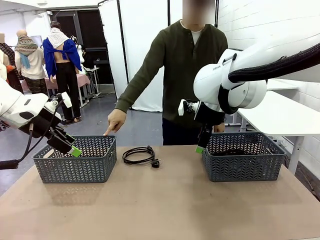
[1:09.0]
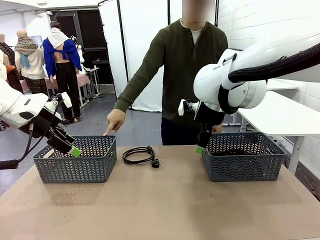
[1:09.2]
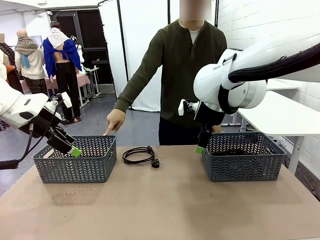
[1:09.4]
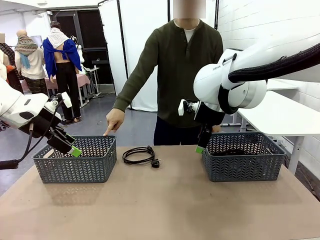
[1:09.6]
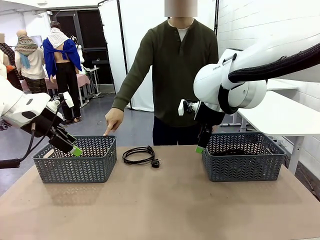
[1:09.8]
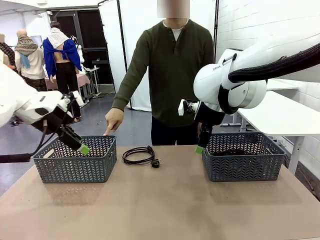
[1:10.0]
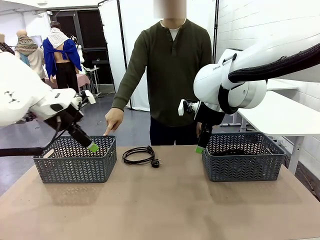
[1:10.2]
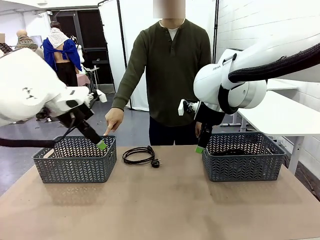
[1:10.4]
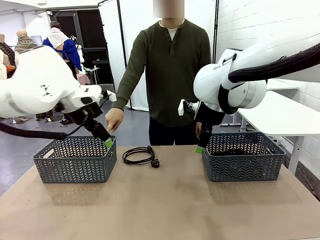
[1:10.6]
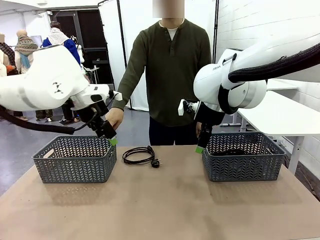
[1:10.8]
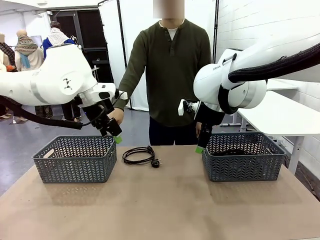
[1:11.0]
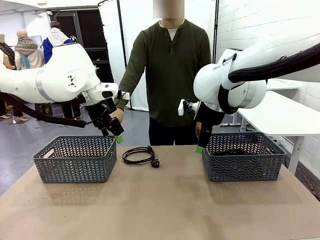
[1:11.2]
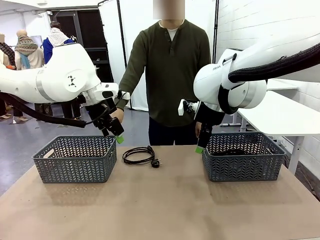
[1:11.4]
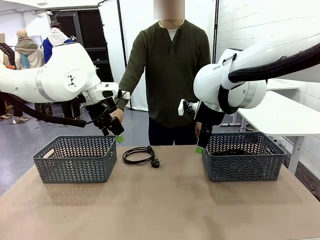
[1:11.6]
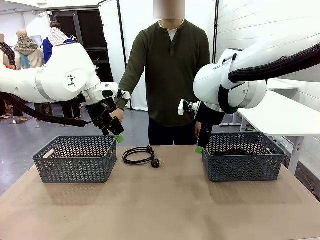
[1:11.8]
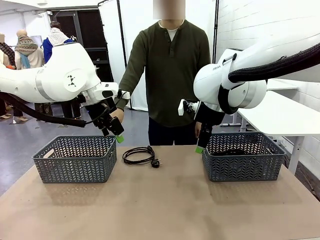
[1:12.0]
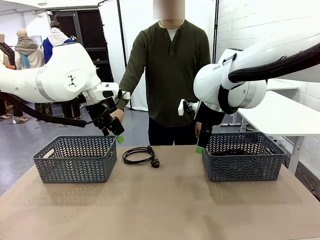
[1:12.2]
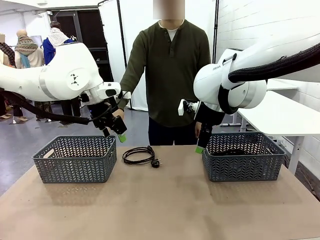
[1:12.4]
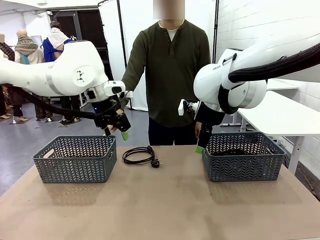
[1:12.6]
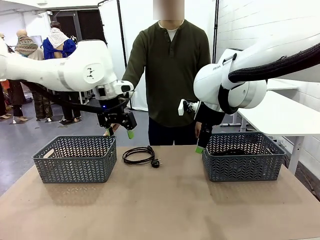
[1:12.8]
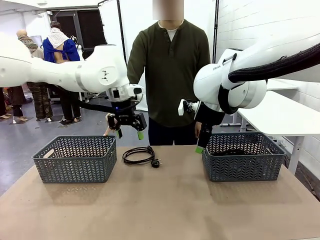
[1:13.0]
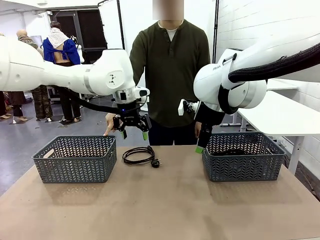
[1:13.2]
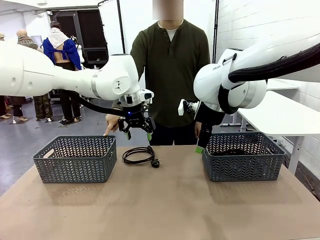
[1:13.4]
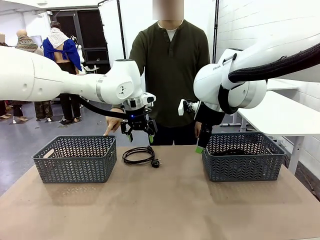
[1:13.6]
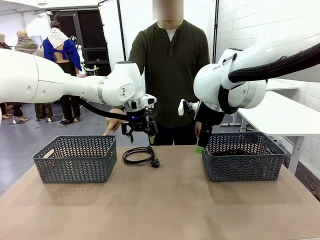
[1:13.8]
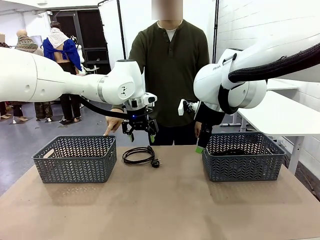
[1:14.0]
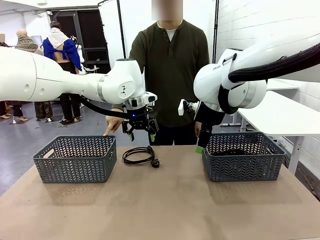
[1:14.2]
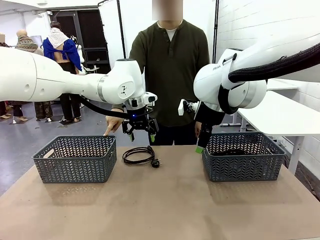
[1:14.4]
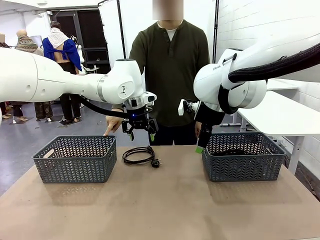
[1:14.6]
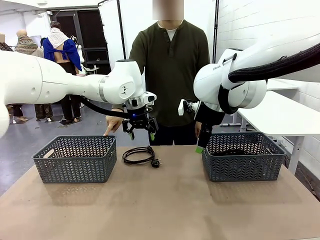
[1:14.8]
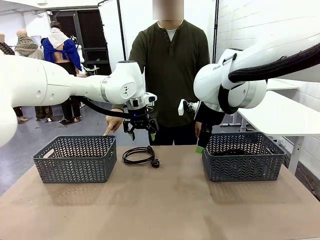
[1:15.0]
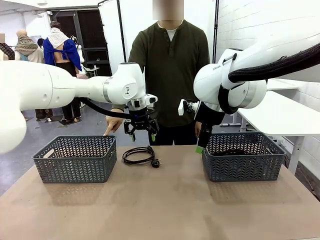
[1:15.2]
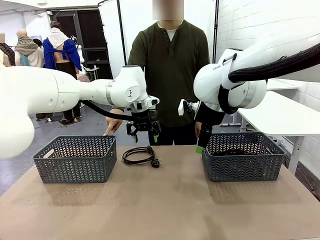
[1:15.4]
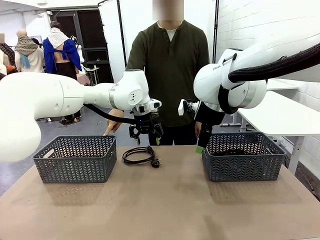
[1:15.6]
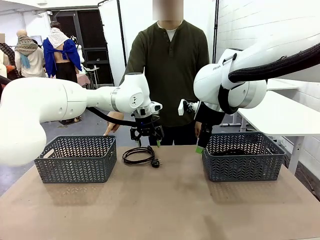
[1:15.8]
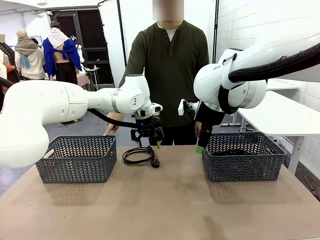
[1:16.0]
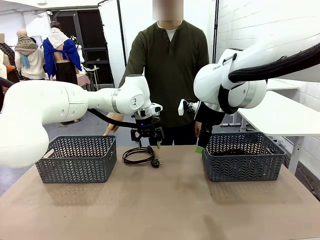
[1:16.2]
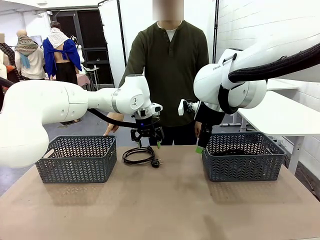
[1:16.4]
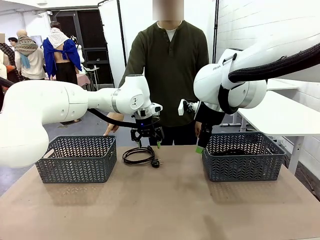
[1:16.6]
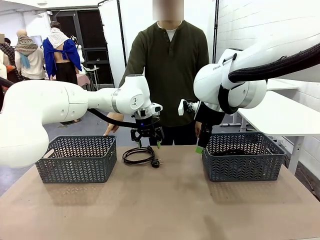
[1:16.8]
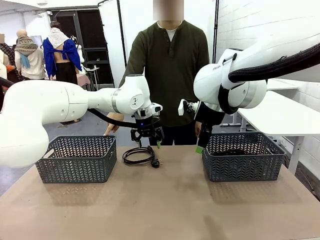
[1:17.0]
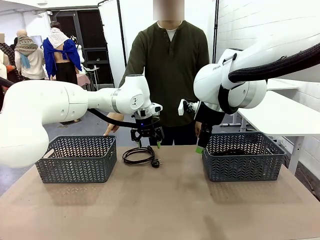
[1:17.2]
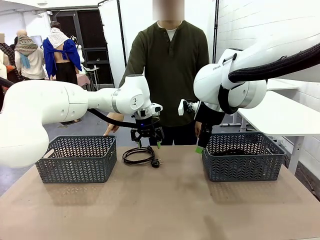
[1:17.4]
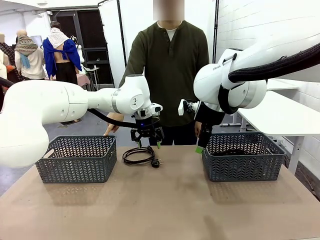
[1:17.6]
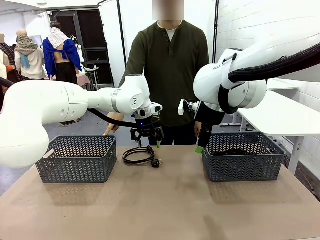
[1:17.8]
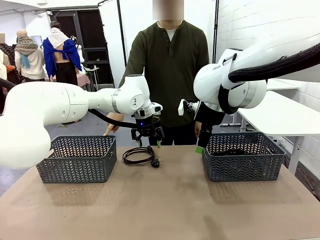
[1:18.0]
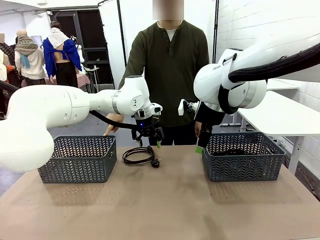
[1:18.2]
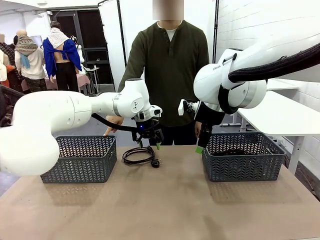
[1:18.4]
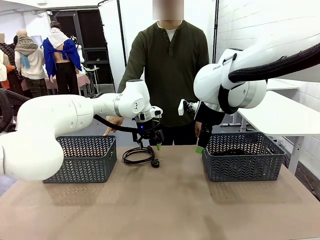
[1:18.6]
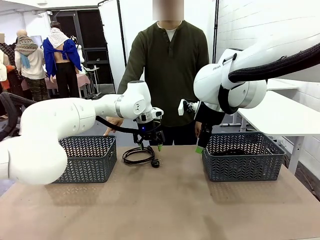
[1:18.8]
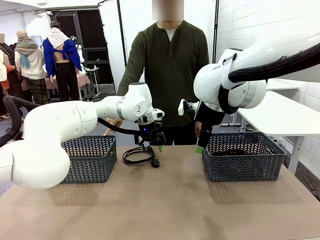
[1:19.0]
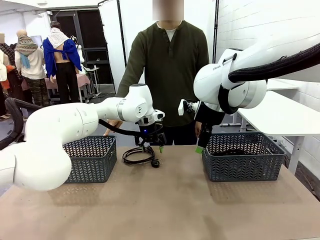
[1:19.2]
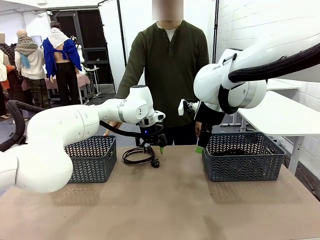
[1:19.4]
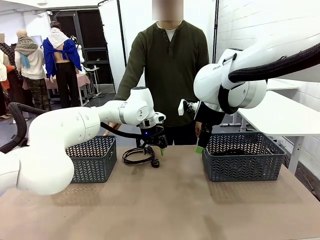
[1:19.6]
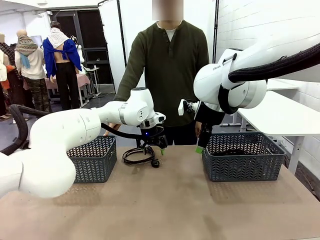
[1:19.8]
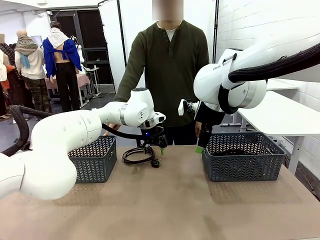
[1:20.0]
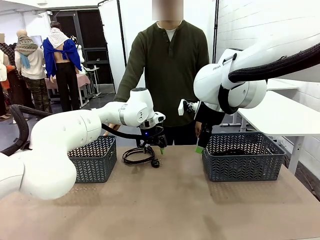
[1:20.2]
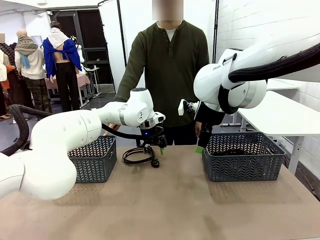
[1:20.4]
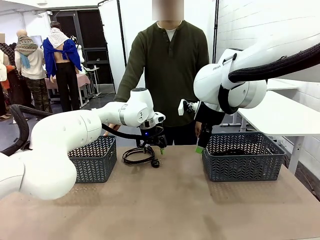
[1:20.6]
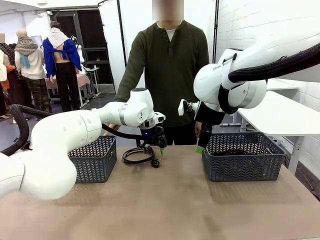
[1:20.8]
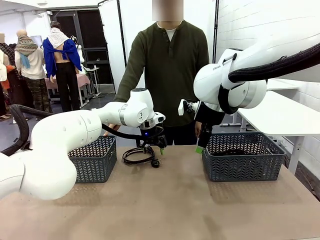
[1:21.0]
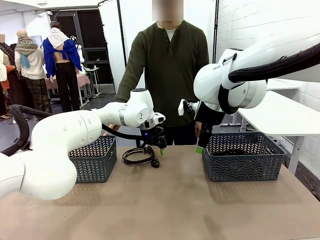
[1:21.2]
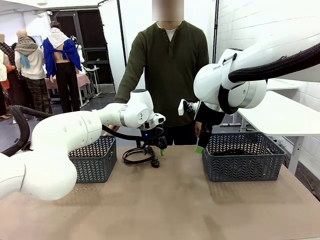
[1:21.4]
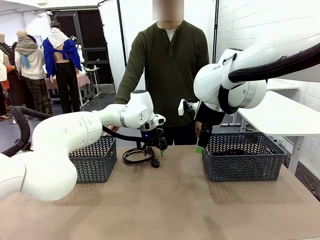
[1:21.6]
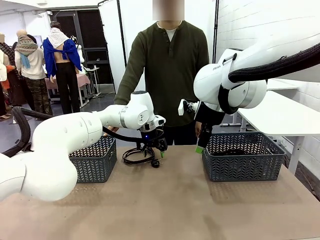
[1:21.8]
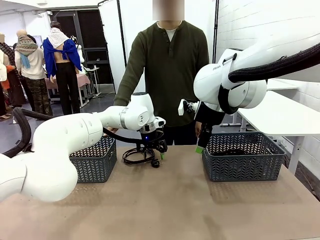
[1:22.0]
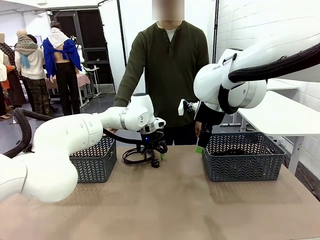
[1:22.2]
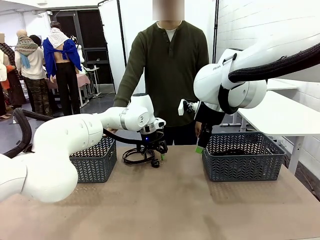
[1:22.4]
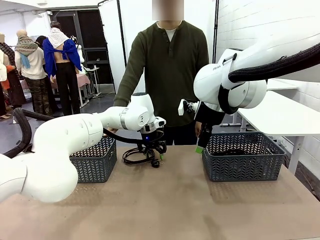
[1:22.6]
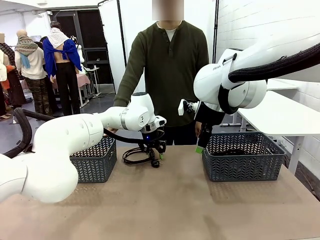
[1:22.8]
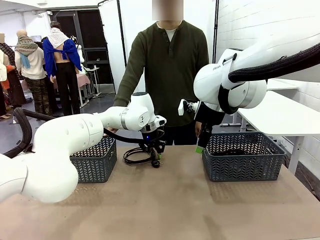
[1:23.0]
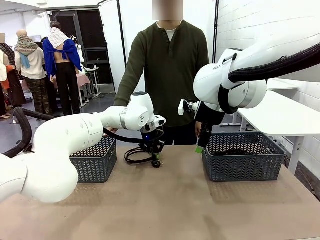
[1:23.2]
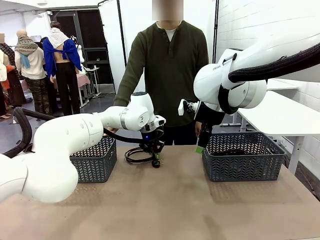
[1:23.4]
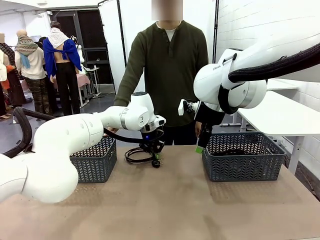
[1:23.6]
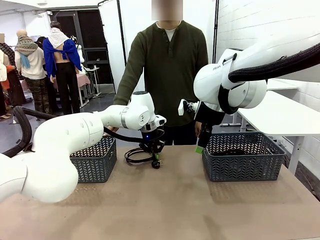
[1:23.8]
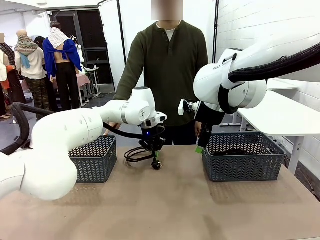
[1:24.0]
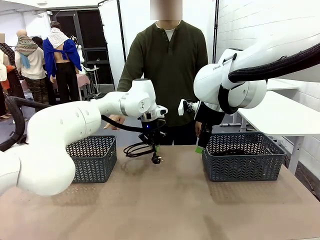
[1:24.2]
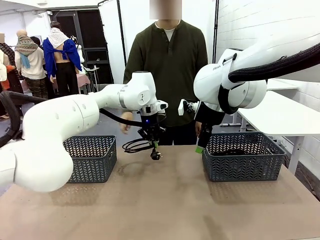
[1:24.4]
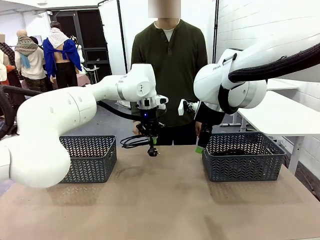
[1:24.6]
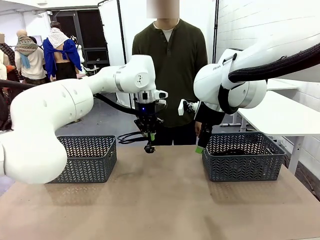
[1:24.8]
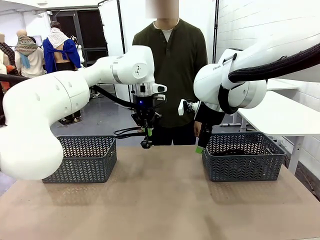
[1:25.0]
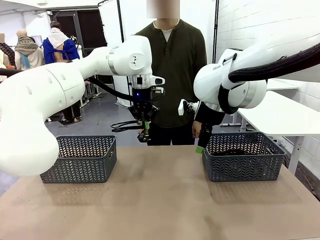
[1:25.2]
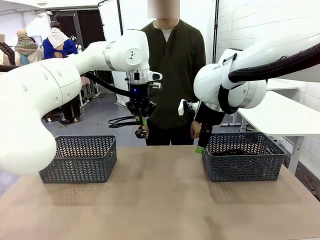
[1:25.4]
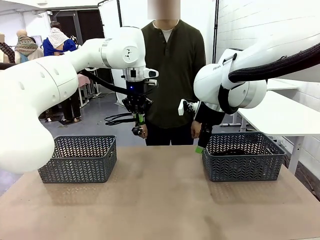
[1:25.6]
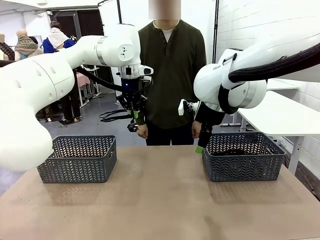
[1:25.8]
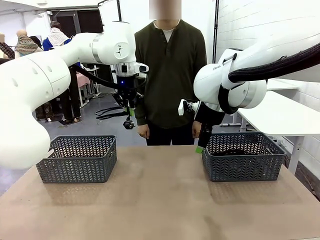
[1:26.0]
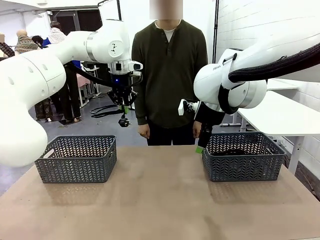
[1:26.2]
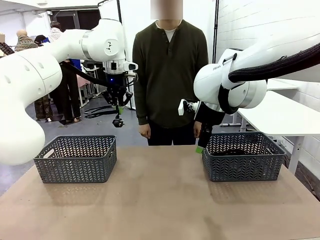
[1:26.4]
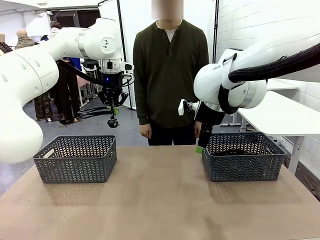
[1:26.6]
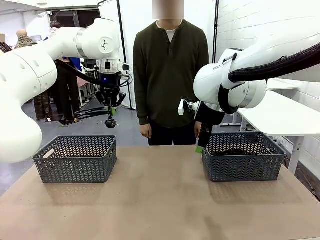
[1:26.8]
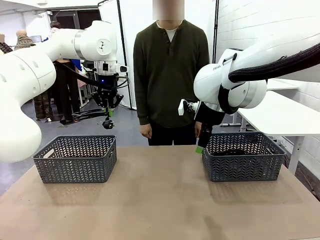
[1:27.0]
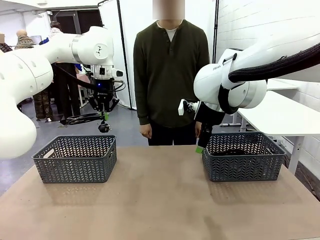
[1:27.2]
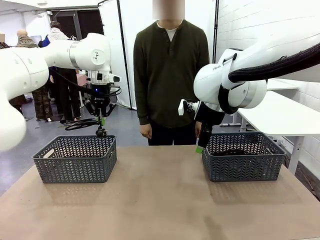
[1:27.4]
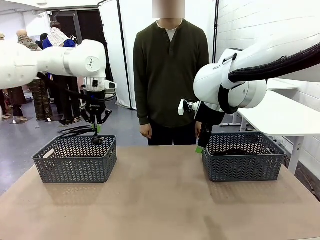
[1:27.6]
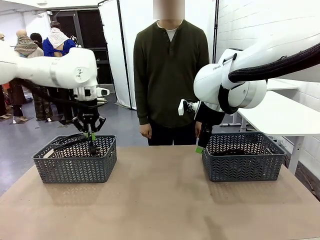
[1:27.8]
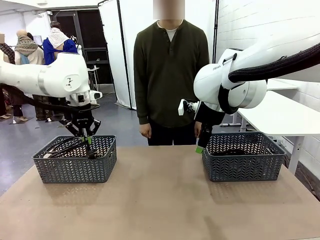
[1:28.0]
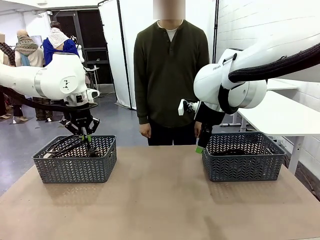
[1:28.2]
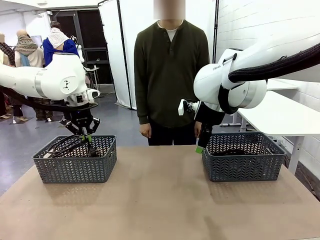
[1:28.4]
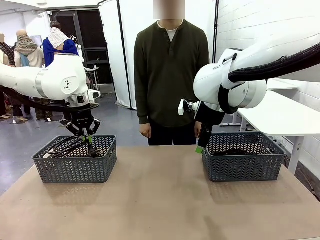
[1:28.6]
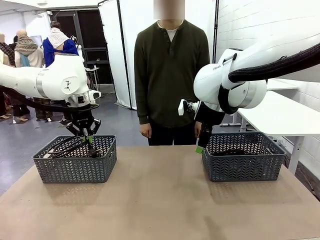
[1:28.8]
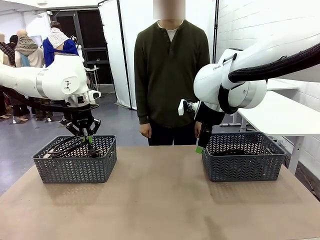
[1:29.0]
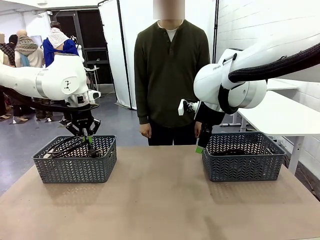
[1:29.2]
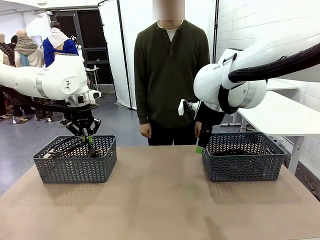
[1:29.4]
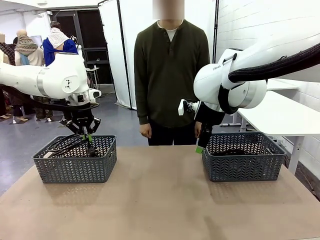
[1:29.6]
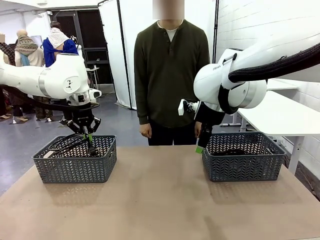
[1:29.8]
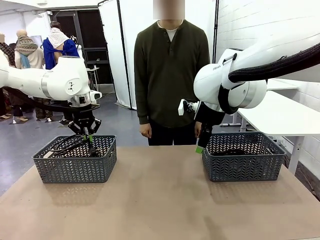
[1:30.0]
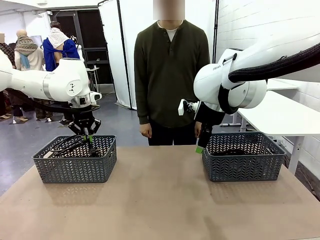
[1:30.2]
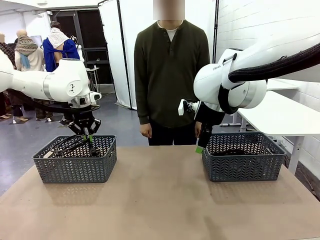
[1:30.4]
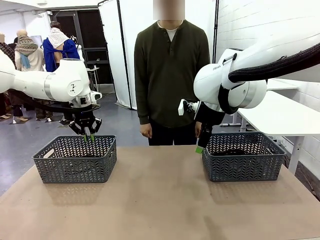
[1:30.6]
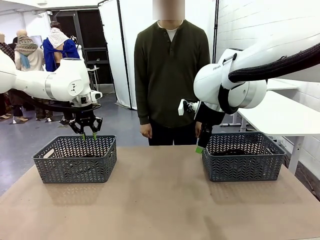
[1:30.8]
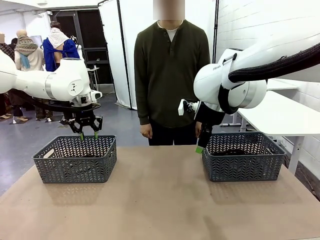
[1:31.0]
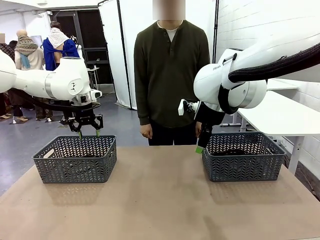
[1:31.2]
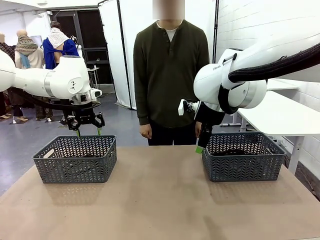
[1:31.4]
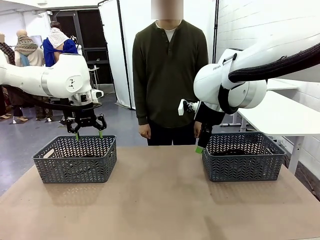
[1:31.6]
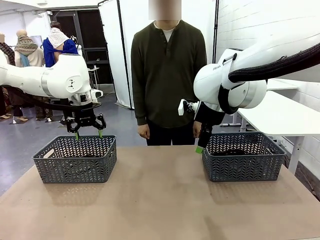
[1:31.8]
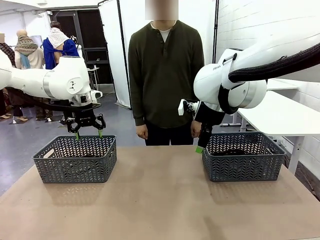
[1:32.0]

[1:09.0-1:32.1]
Task: Organize the cables according to human instructions.
Robot: Pick up a bundle of cables and place it in the basket indicated by the human.
